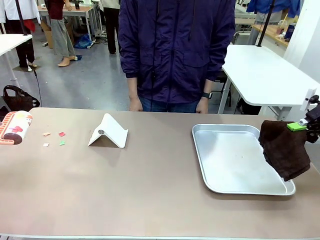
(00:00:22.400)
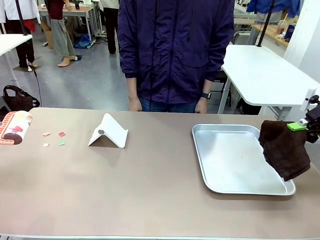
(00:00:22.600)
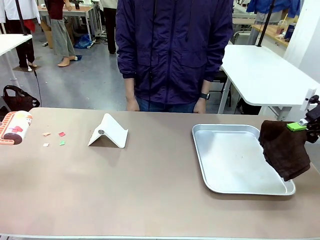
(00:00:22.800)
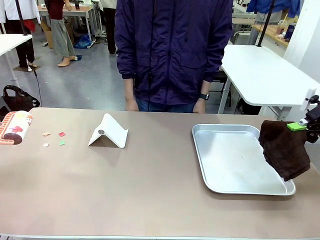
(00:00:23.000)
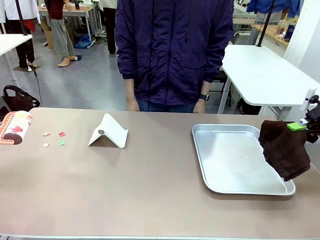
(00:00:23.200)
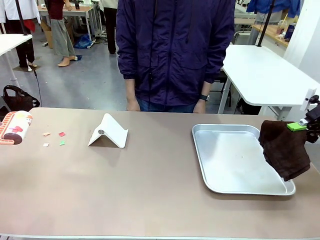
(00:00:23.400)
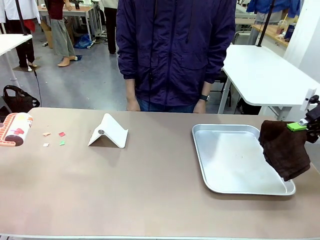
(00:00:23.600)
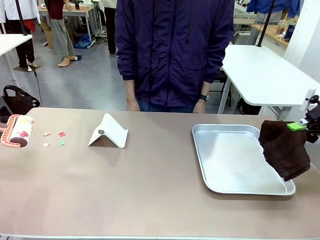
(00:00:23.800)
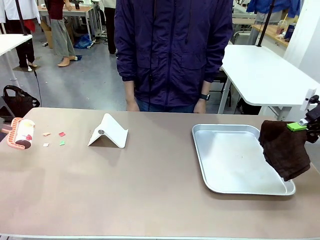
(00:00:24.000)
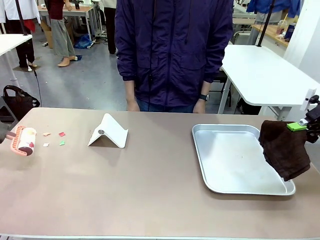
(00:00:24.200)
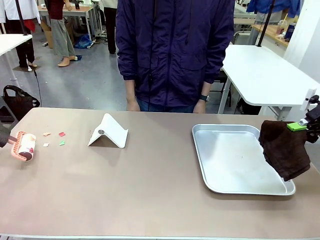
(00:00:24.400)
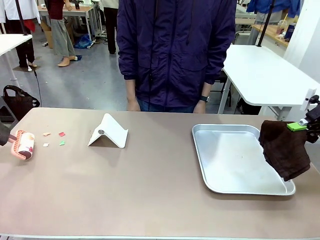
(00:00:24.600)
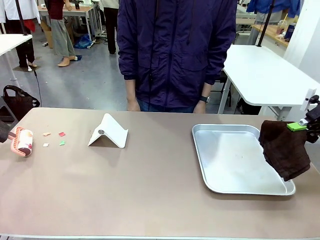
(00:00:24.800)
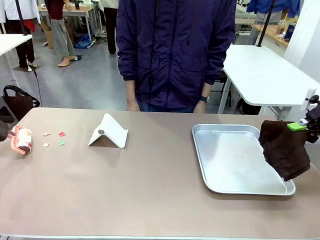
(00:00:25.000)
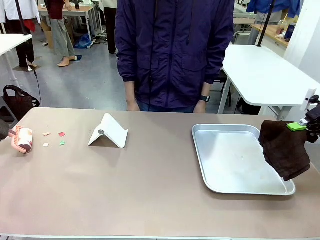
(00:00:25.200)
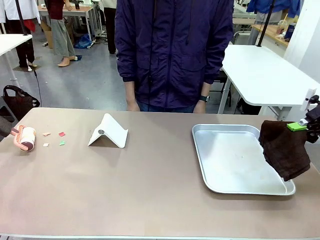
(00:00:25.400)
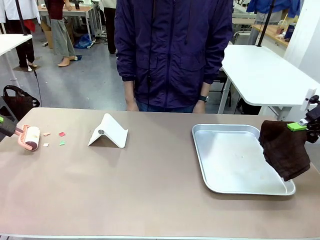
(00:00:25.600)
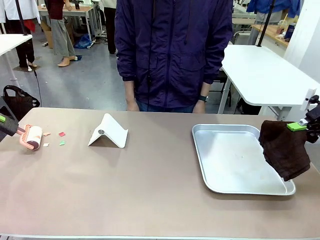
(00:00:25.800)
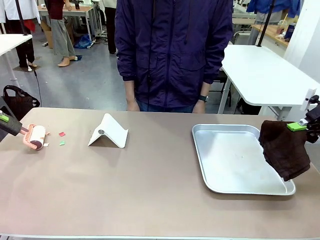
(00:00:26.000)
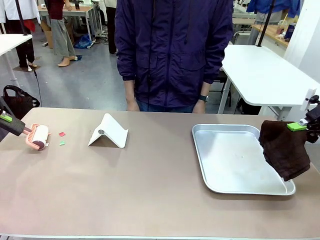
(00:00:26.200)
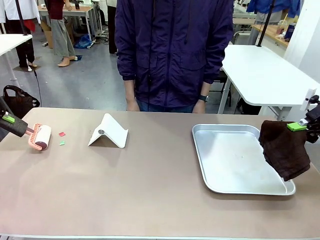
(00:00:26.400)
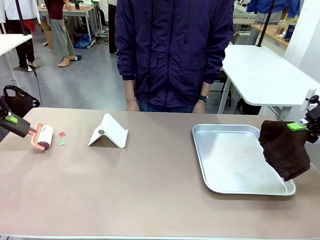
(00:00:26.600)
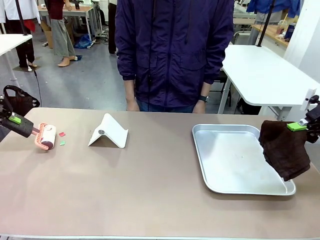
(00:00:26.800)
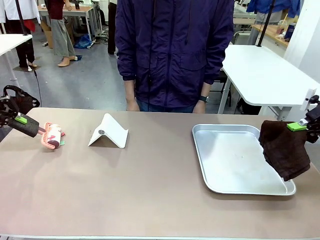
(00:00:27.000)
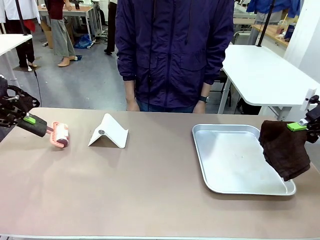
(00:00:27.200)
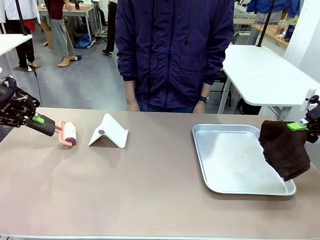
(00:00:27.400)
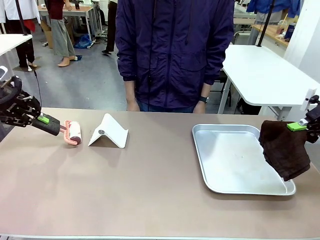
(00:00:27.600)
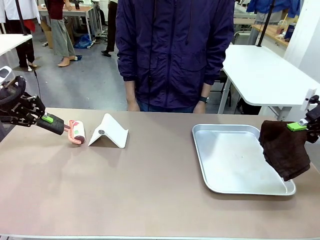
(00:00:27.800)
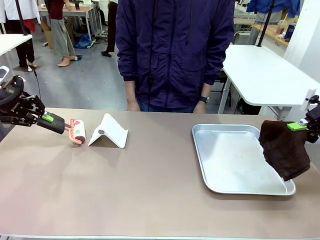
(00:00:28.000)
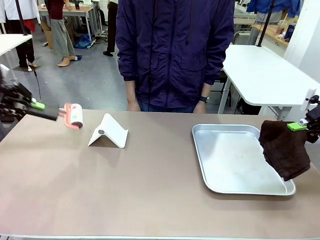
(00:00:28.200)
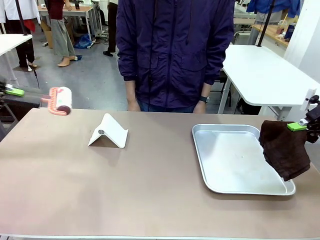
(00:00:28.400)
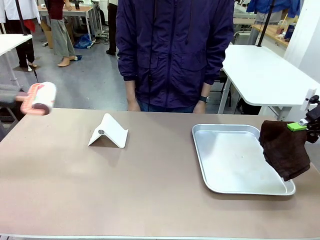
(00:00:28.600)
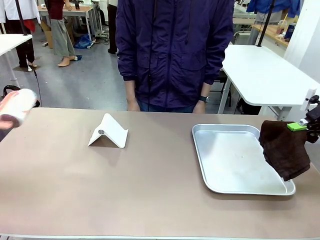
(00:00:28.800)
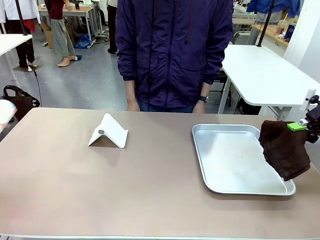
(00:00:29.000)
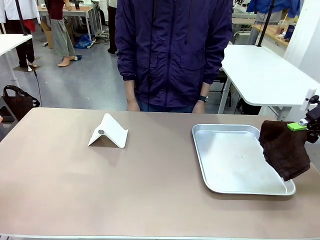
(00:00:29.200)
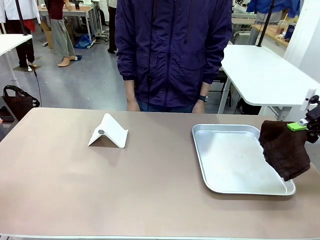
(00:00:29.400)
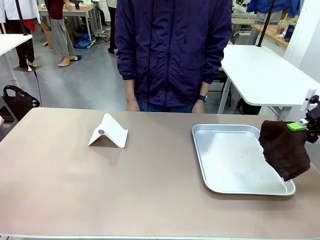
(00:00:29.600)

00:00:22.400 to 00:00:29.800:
Task: Clean the surface of the table.
Robot: Clean the area not pointed to by the person.

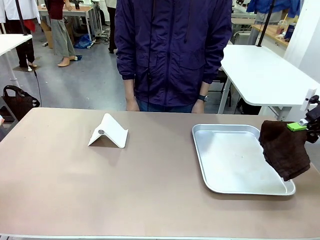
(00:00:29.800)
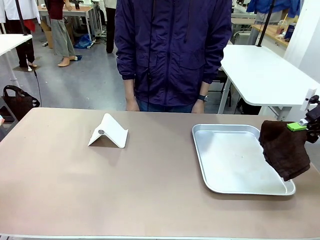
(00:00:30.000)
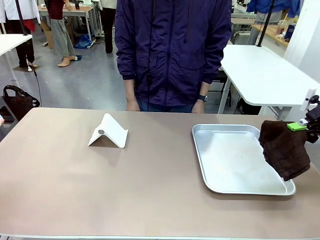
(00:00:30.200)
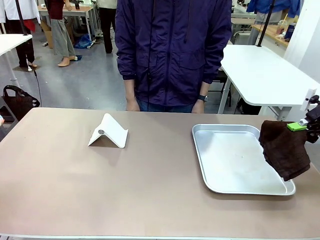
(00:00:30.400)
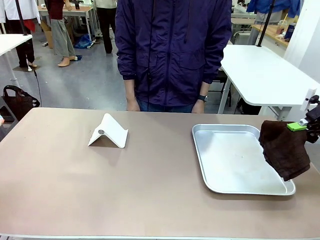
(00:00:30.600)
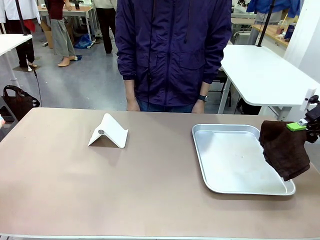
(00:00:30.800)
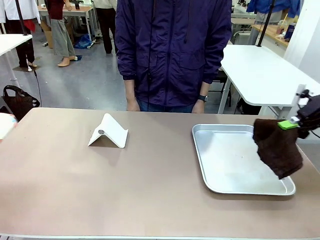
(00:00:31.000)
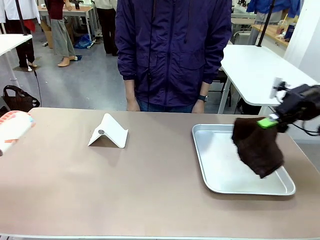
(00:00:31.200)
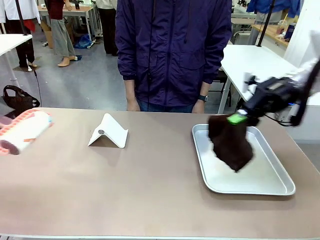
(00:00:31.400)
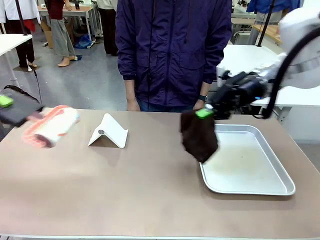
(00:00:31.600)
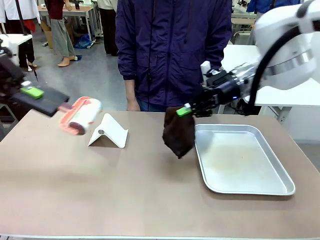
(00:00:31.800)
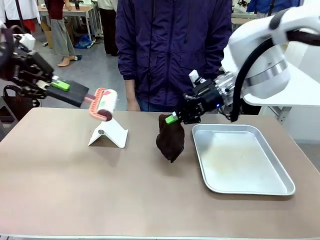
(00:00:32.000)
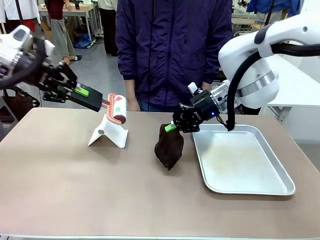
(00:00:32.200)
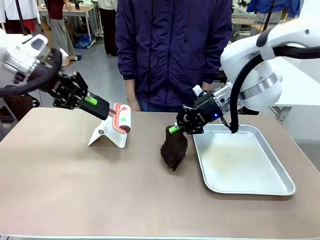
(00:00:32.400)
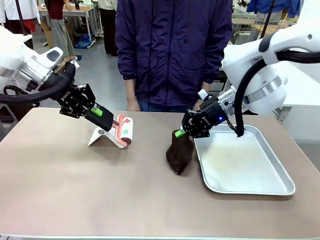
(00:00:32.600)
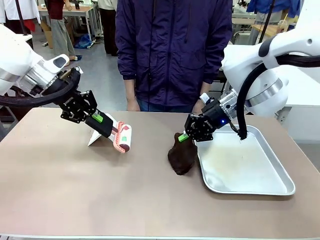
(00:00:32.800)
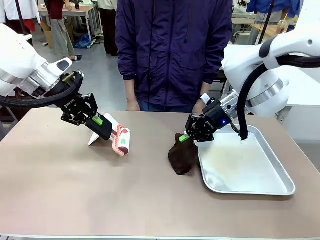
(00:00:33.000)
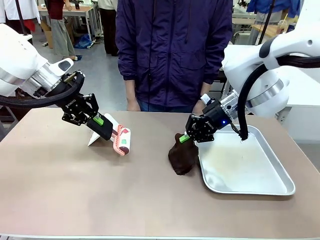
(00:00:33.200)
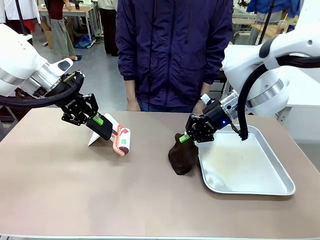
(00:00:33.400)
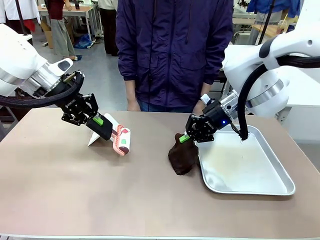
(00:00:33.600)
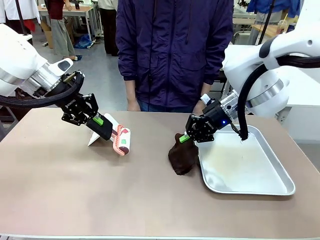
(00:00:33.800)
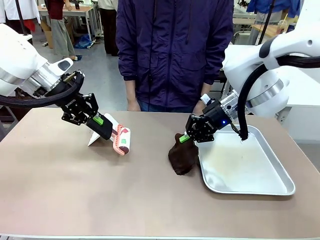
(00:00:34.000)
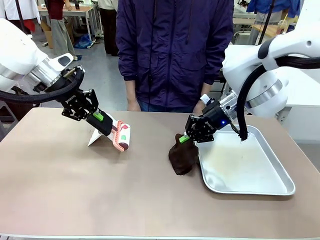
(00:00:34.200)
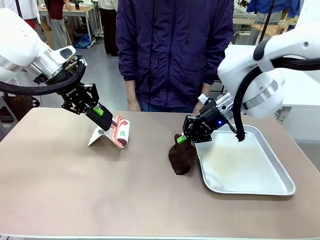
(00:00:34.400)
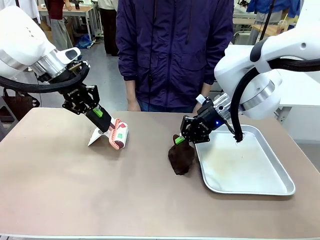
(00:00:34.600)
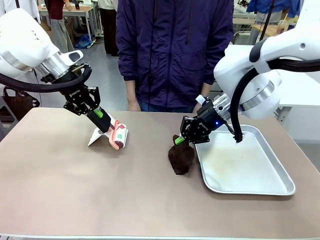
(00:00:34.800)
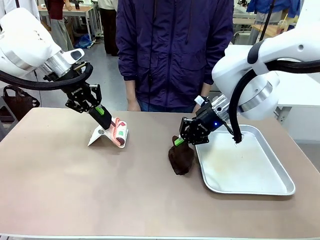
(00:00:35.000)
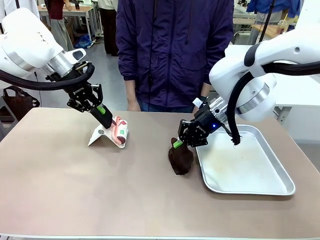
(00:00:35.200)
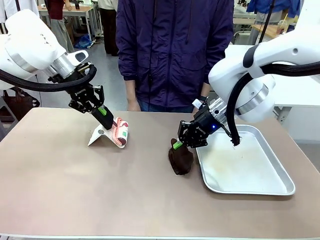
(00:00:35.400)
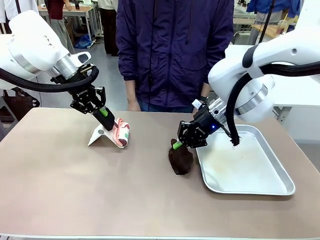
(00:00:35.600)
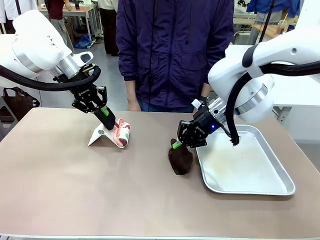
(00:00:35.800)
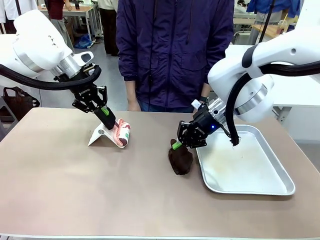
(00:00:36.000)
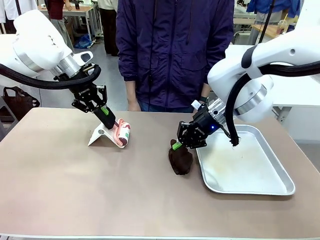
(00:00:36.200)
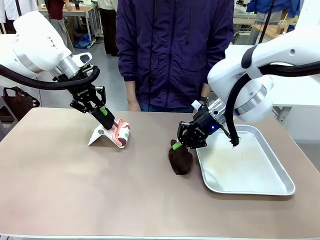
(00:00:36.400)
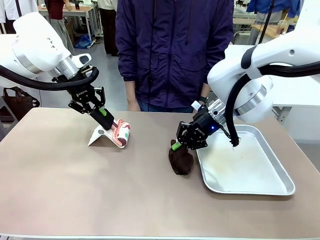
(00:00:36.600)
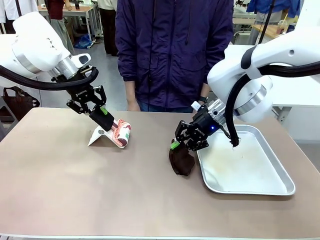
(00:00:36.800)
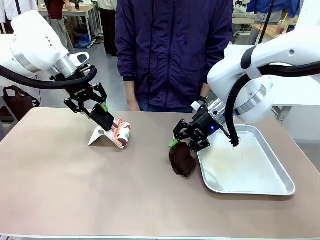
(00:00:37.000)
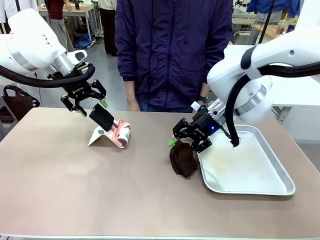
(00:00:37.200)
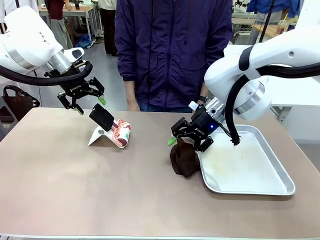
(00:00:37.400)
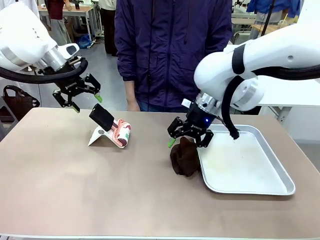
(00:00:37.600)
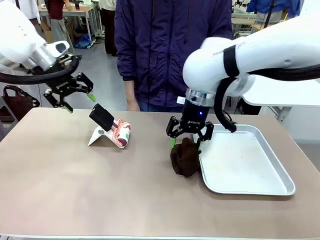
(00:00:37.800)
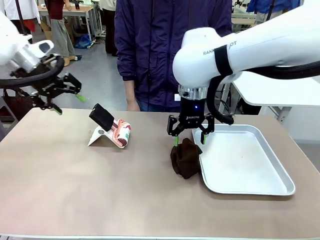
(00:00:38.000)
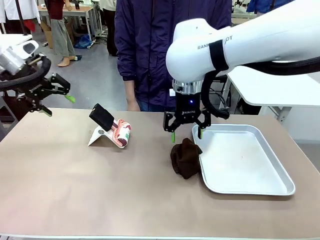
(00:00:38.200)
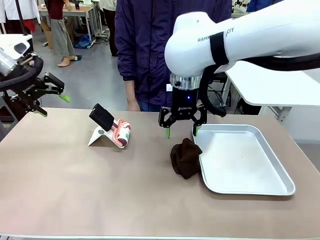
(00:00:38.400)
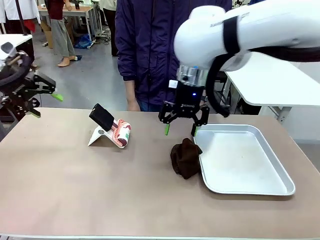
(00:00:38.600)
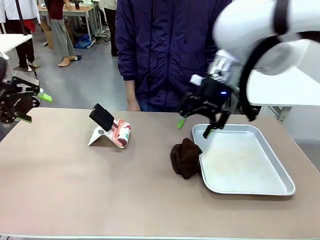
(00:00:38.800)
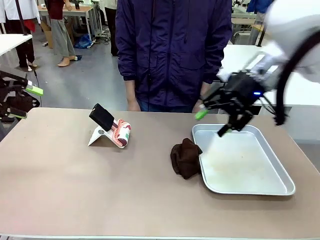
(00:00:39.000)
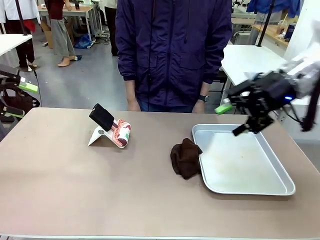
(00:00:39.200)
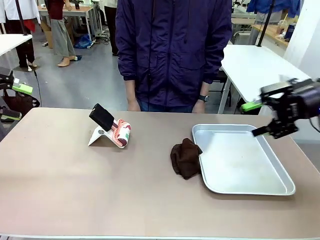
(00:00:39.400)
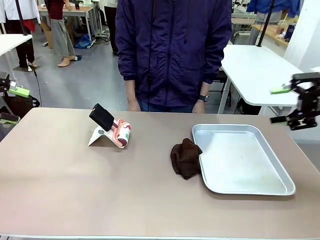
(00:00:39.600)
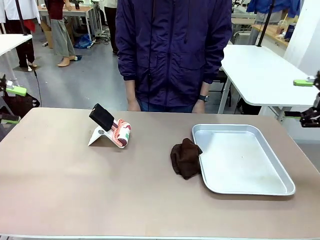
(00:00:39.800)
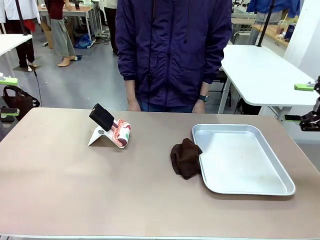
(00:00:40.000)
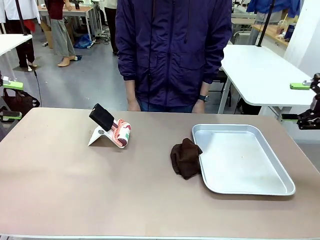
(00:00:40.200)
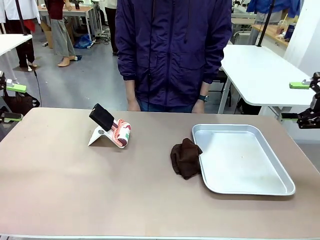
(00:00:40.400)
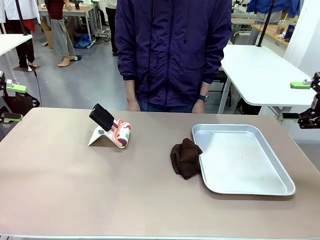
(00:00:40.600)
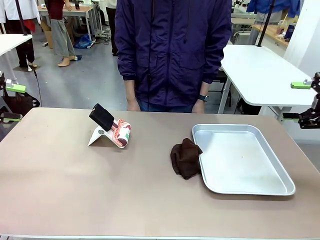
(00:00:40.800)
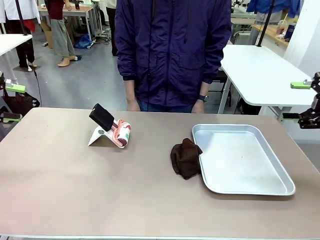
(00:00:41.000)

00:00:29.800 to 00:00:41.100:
Robot: Return the Lint Roller and towel to their original positions.
